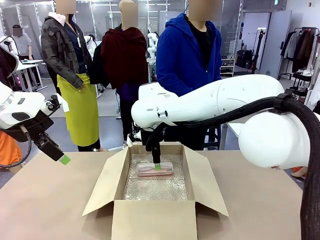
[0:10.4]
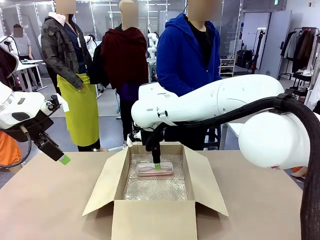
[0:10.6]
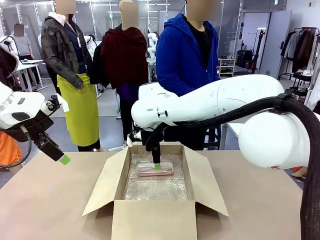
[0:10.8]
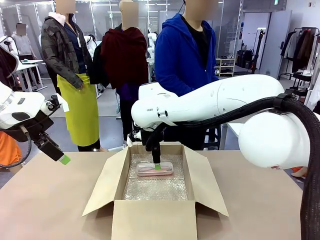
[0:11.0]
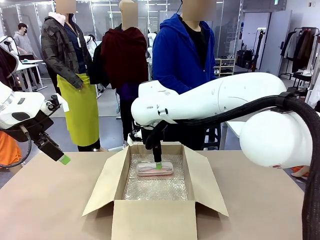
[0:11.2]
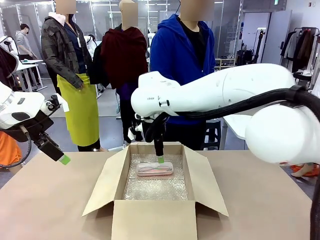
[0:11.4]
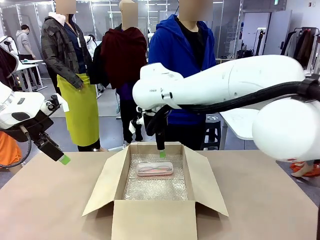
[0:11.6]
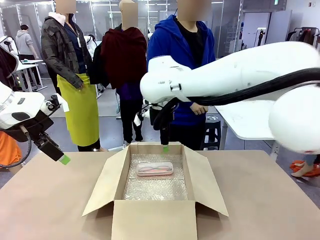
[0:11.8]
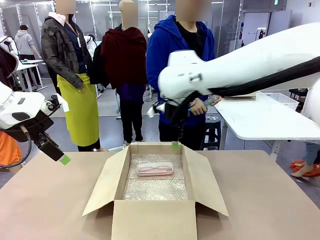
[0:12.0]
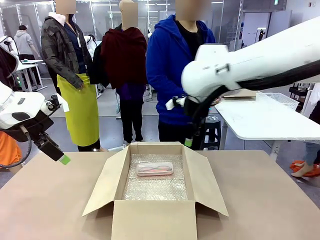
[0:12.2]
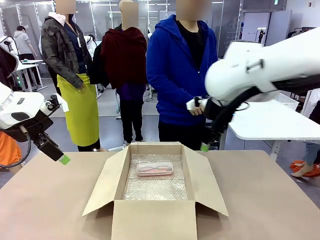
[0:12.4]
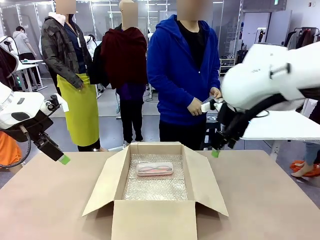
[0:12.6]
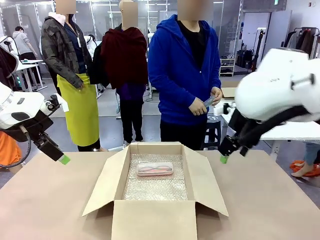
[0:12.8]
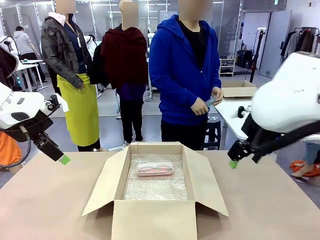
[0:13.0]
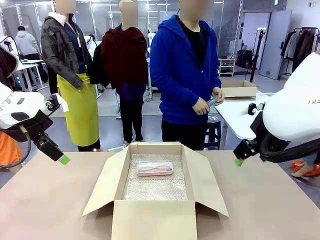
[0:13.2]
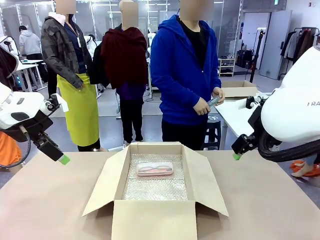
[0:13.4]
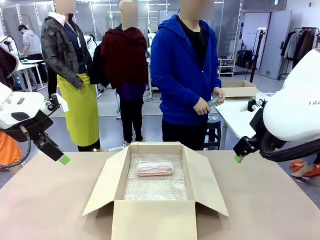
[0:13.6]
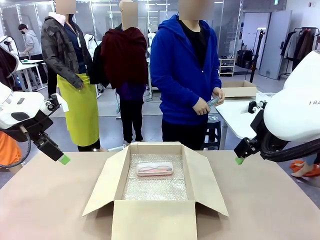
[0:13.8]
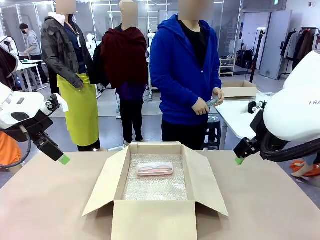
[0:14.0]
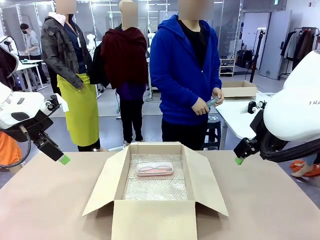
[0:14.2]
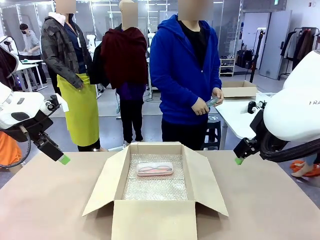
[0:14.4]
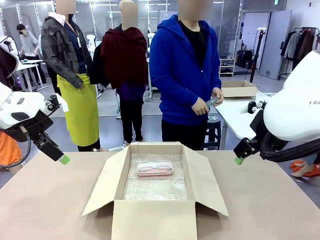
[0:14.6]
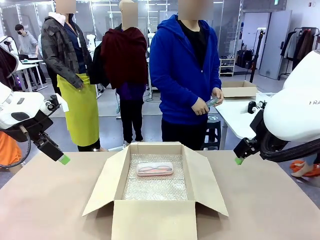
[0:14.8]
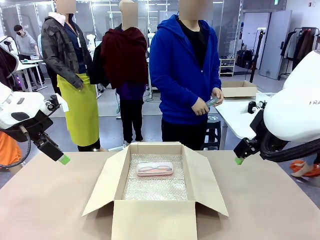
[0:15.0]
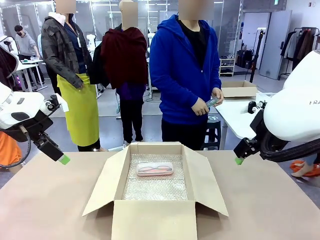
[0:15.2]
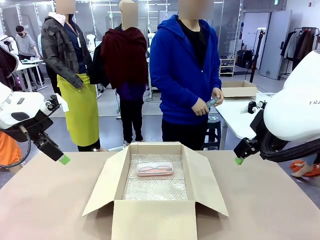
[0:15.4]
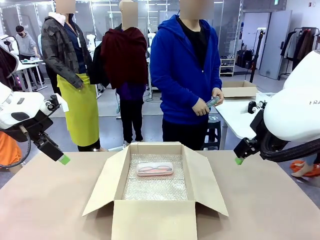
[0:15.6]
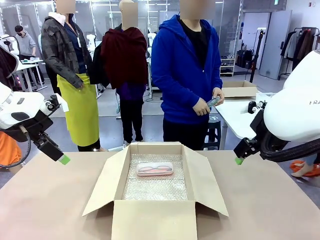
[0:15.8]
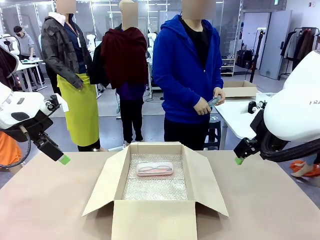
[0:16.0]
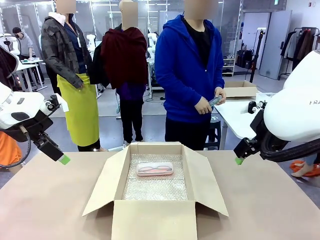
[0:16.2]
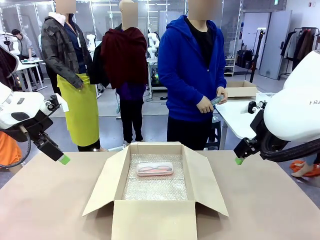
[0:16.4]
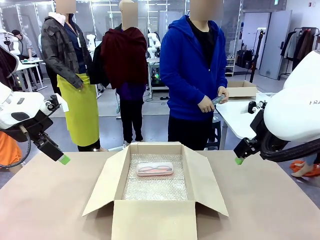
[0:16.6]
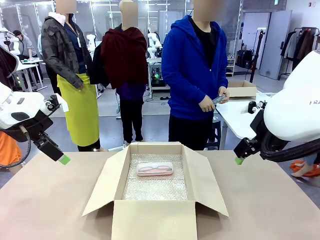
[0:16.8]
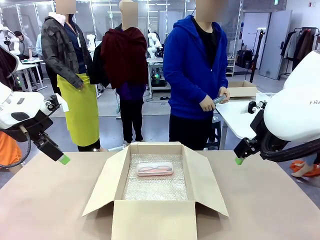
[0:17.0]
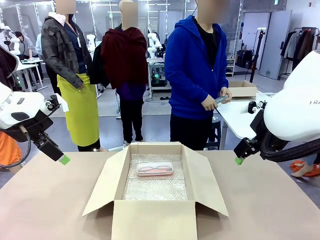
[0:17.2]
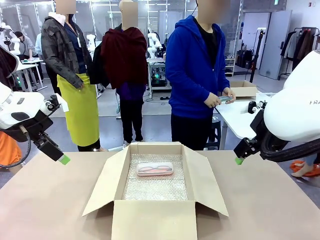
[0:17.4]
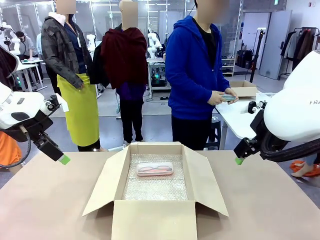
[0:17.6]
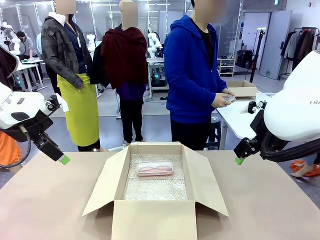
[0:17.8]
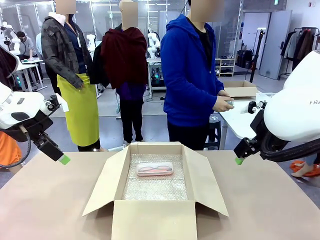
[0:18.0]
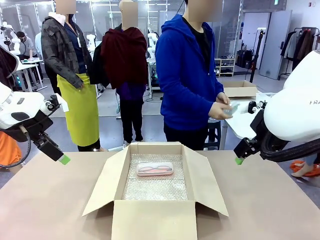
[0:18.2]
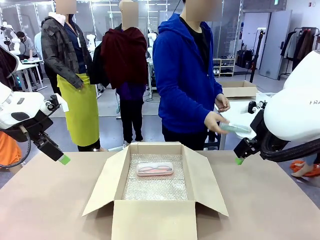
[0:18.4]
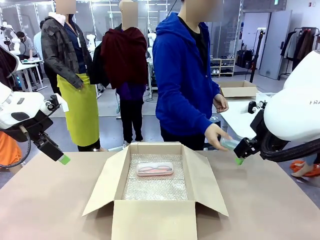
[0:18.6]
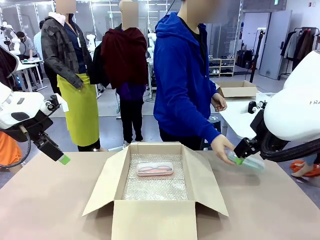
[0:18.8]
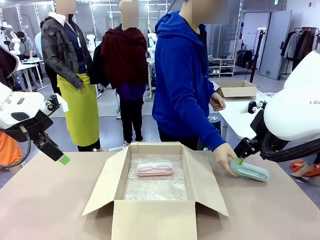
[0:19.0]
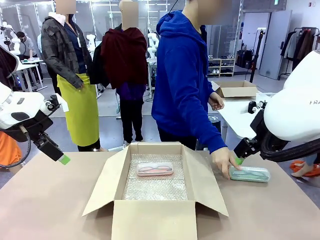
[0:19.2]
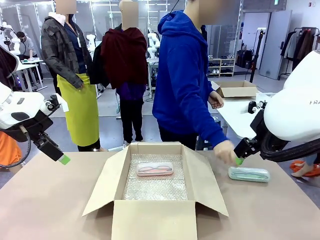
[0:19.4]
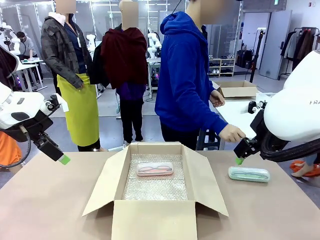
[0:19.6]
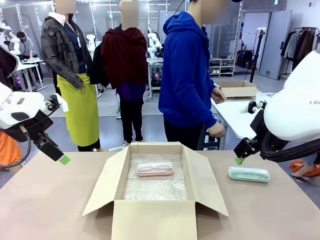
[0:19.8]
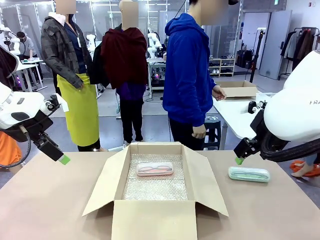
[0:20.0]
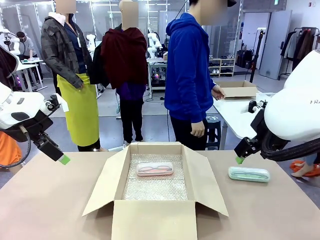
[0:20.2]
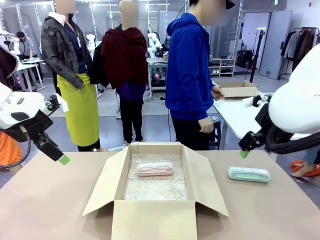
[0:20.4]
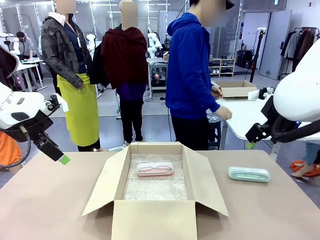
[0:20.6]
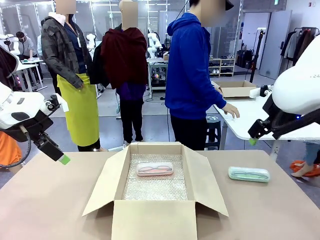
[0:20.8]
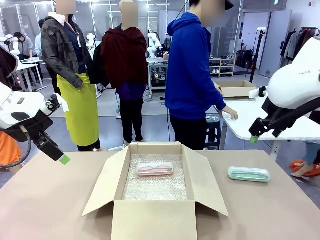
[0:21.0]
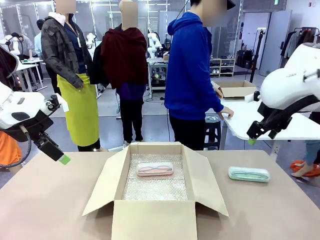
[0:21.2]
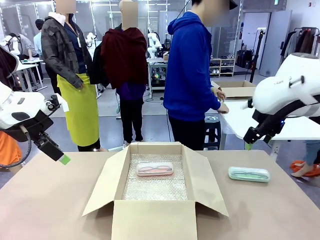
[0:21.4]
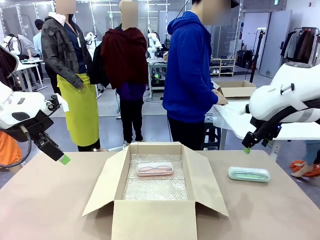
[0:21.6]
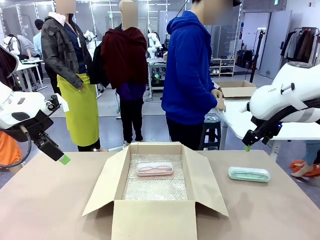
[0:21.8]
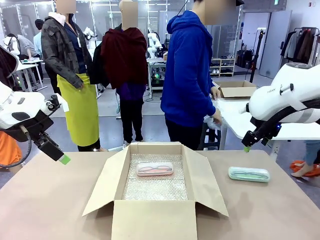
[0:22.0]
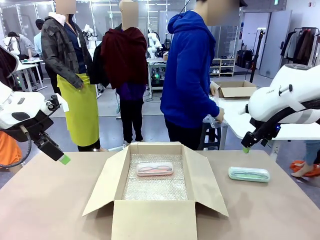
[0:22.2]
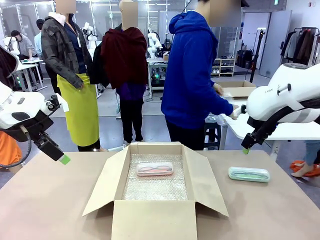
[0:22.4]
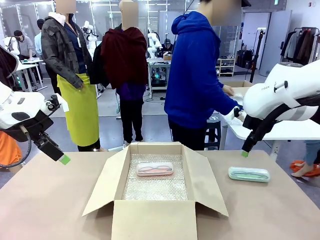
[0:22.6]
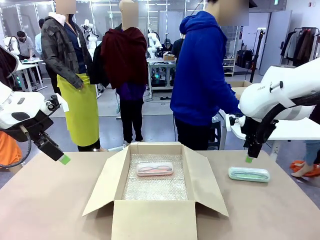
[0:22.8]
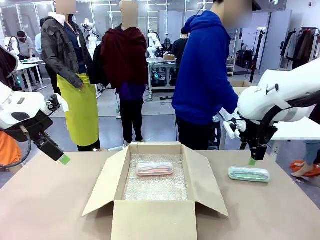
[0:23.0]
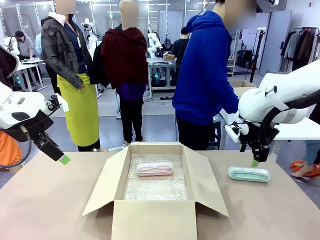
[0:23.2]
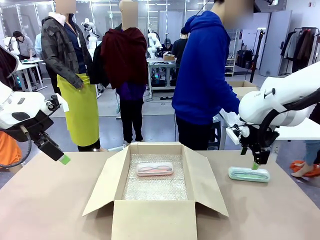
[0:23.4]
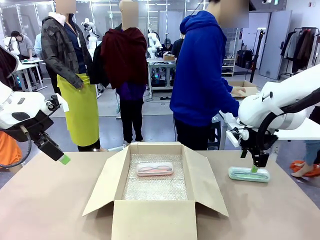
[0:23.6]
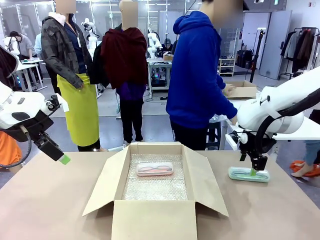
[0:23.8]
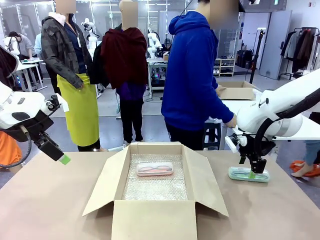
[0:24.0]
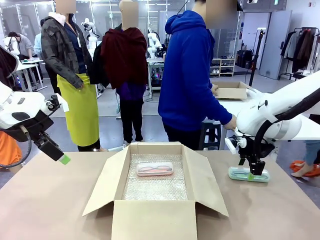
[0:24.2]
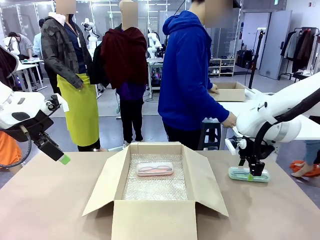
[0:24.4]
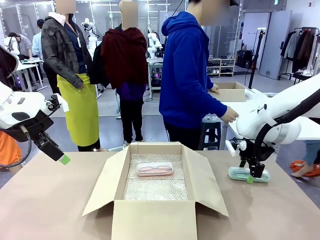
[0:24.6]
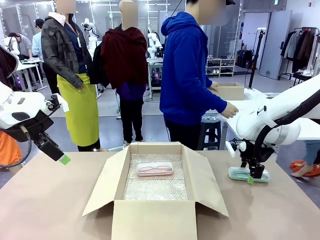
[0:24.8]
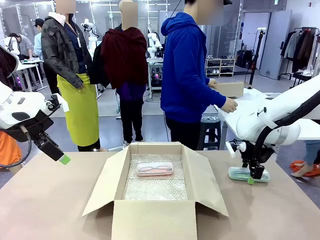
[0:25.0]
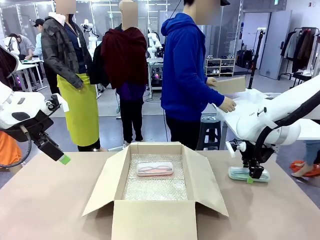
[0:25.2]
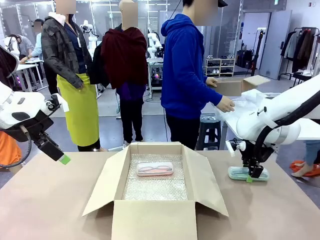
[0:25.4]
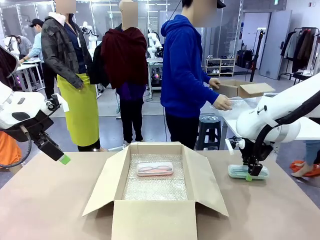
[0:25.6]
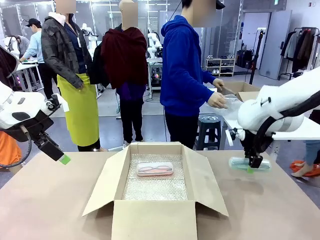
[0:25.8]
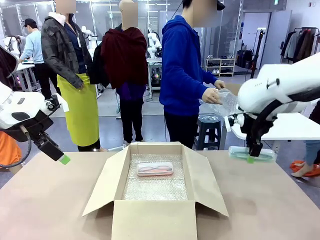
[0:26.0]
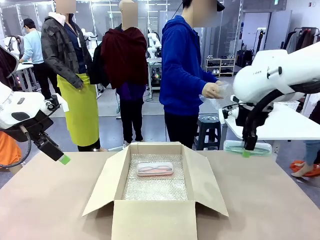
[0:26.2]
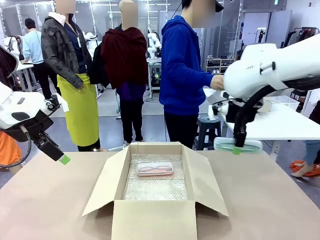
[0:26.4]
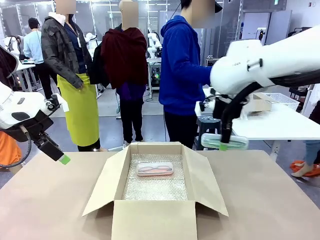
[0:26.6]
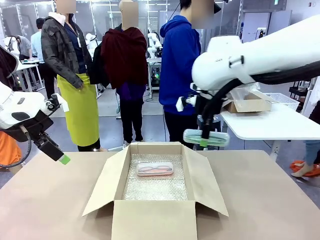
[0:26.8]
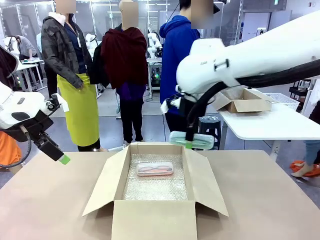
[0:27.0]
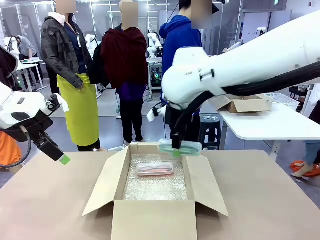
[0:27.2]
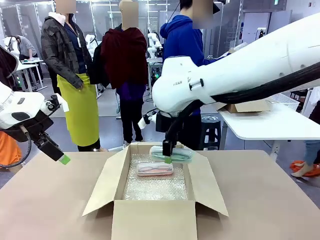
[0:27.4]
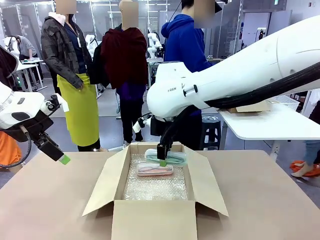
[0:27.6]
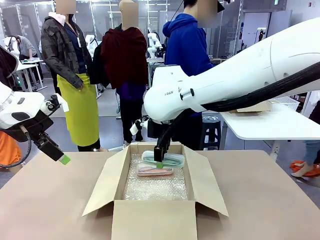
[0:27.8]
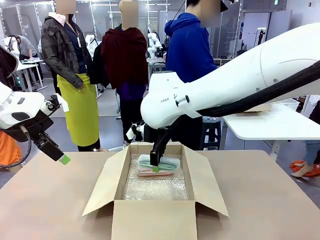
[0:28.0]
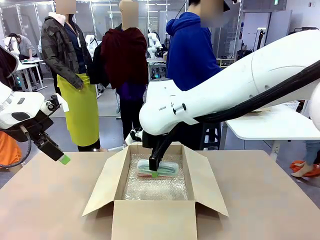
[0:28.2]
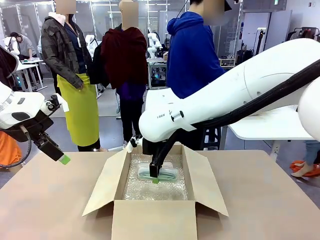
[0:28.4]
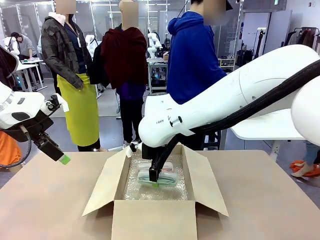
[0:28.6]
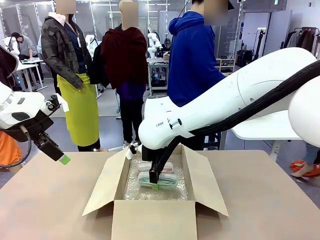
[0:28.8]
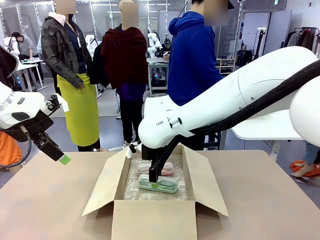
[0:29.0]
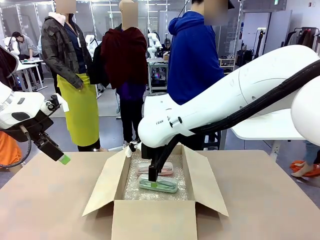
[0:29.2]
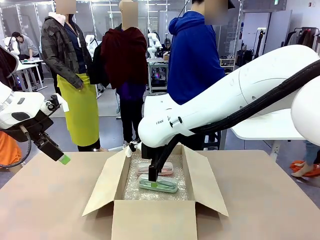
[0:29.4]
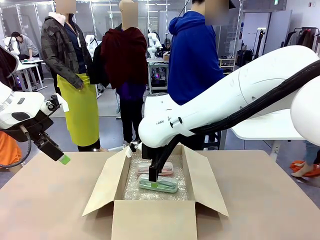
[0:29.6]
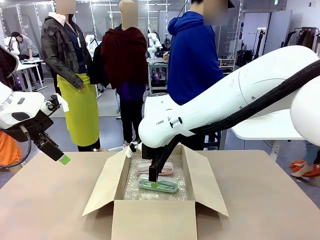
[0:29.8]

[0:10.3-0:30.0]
Task: Pack the glasses set securely to prepare it for shipping.
Robot: Put the Glasses case from the right side of the table into the Package Box.
Person: Position the Glasses case on the left side of the robot's table.
